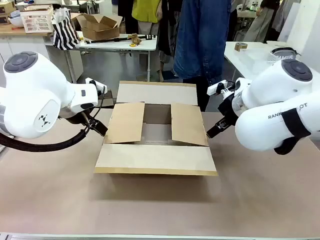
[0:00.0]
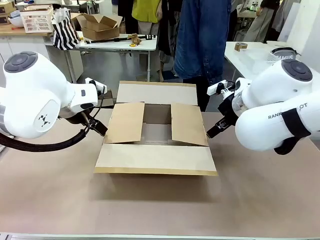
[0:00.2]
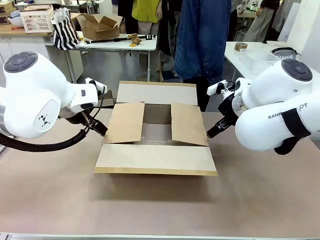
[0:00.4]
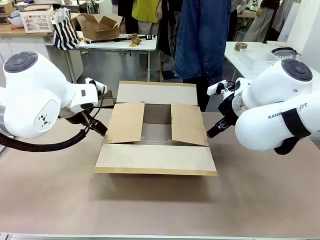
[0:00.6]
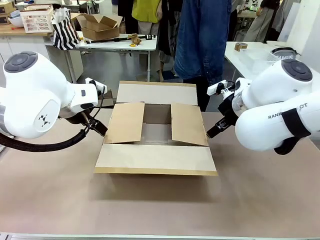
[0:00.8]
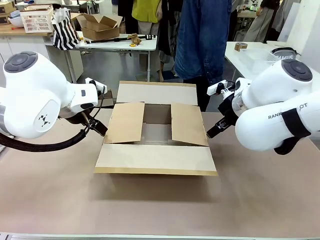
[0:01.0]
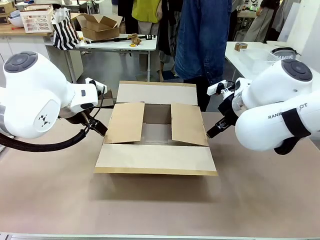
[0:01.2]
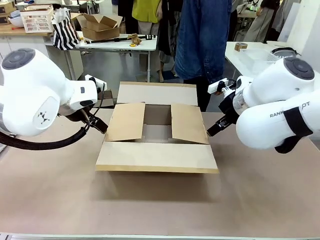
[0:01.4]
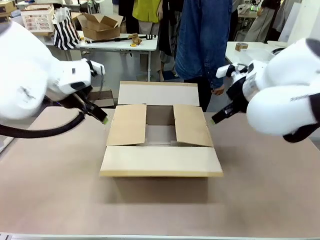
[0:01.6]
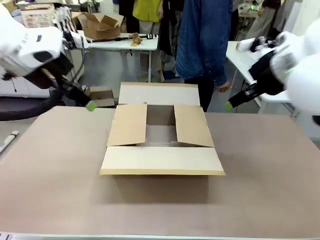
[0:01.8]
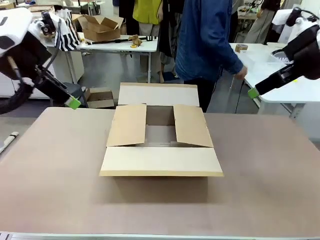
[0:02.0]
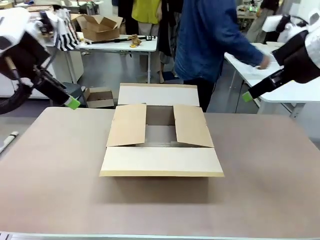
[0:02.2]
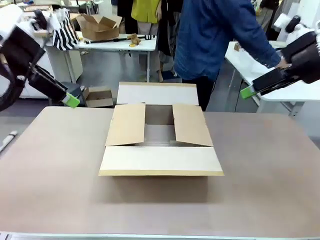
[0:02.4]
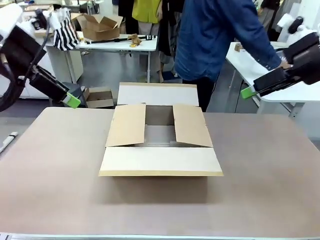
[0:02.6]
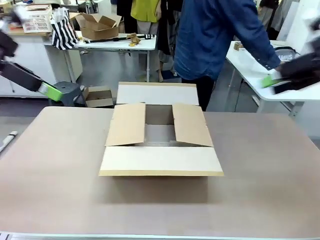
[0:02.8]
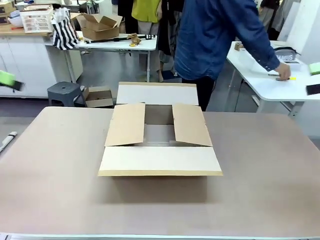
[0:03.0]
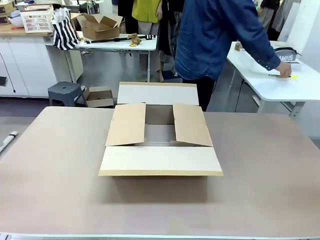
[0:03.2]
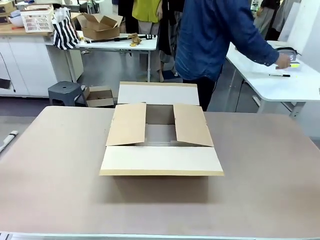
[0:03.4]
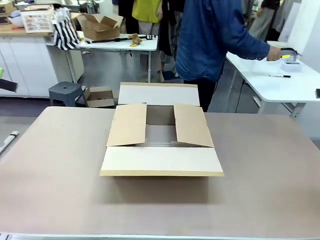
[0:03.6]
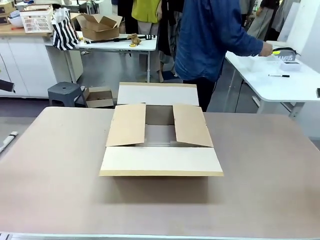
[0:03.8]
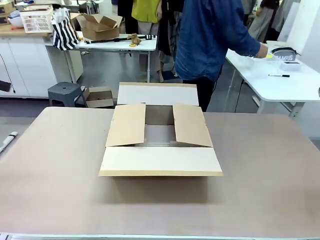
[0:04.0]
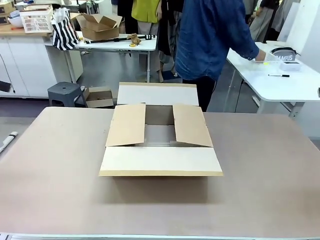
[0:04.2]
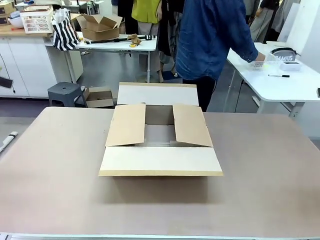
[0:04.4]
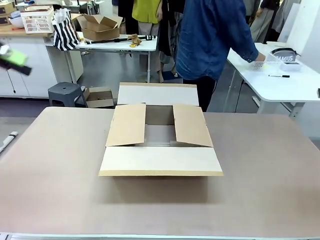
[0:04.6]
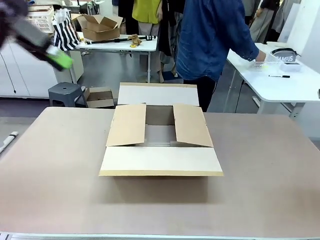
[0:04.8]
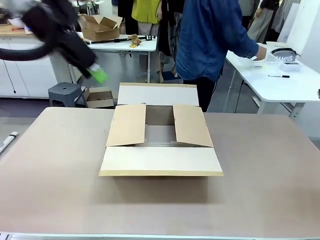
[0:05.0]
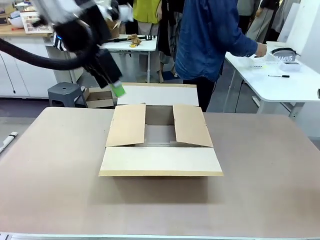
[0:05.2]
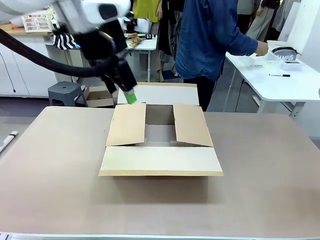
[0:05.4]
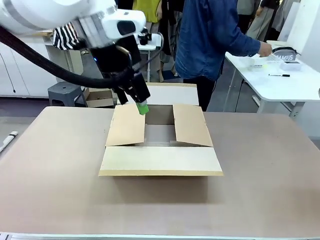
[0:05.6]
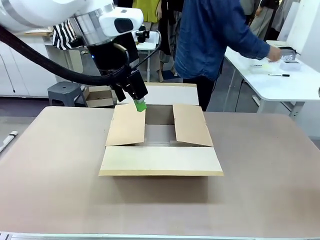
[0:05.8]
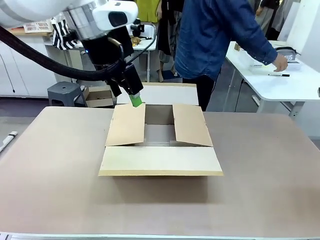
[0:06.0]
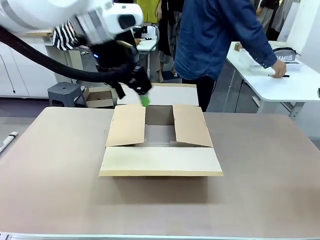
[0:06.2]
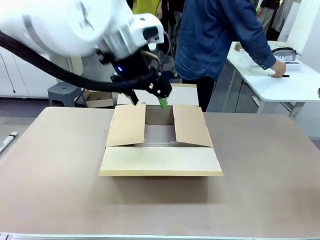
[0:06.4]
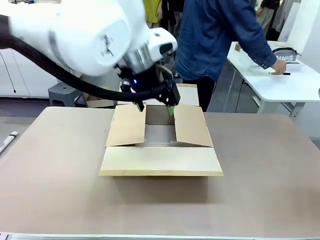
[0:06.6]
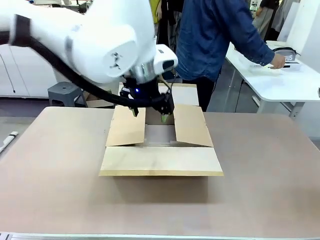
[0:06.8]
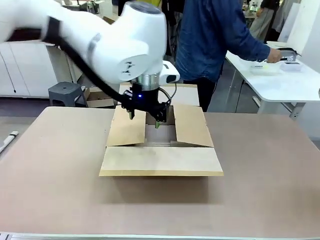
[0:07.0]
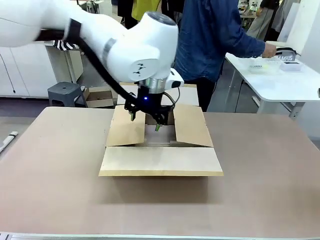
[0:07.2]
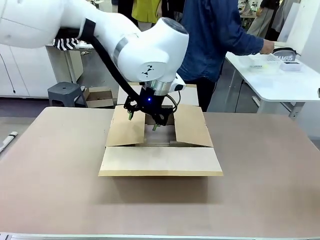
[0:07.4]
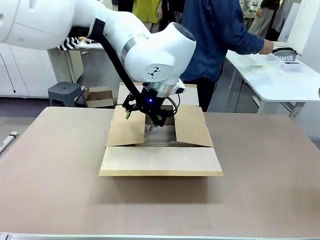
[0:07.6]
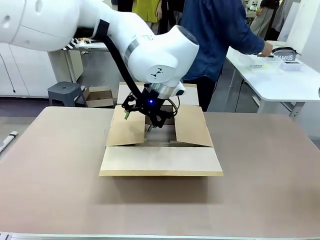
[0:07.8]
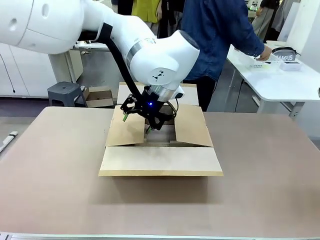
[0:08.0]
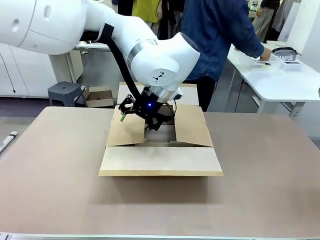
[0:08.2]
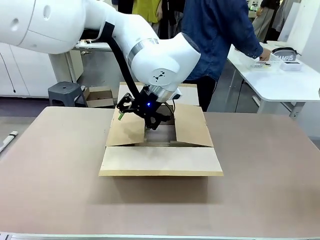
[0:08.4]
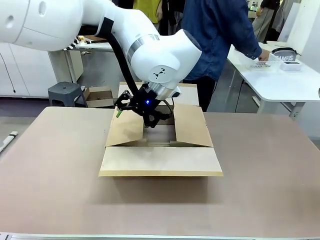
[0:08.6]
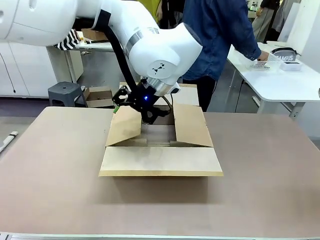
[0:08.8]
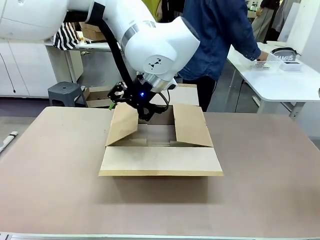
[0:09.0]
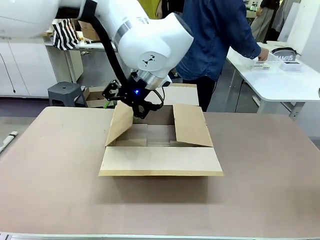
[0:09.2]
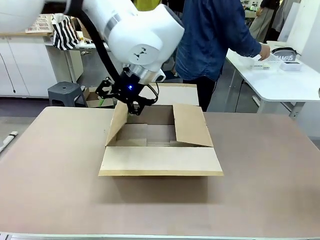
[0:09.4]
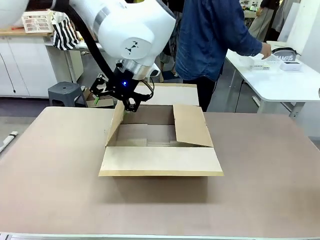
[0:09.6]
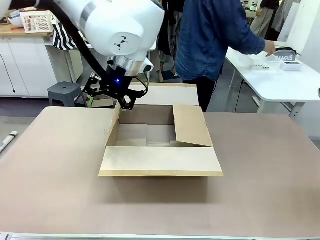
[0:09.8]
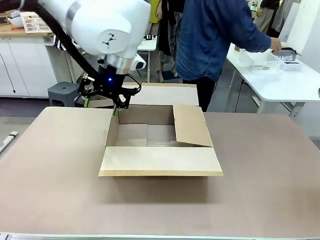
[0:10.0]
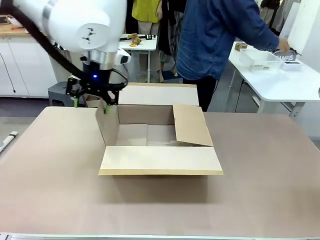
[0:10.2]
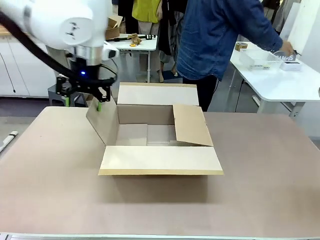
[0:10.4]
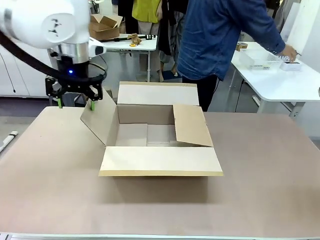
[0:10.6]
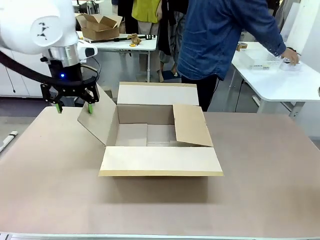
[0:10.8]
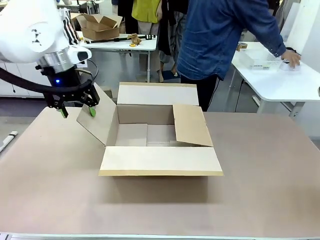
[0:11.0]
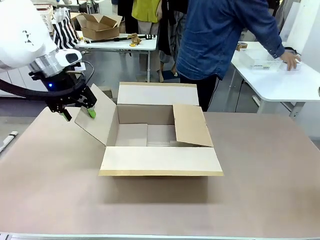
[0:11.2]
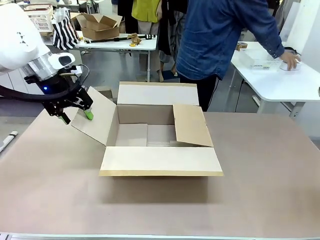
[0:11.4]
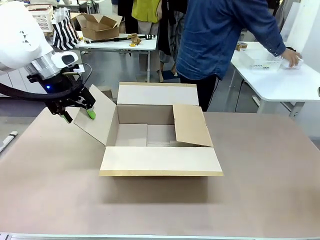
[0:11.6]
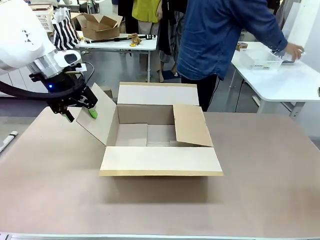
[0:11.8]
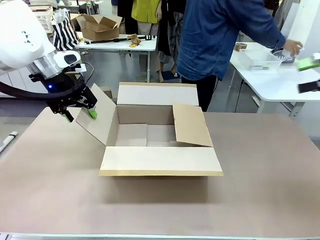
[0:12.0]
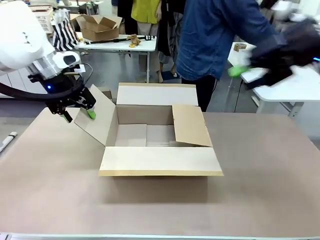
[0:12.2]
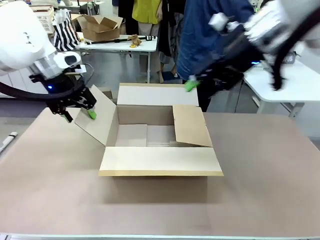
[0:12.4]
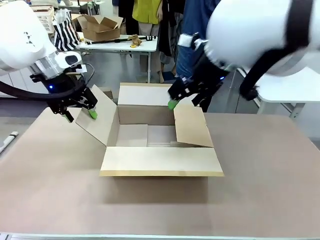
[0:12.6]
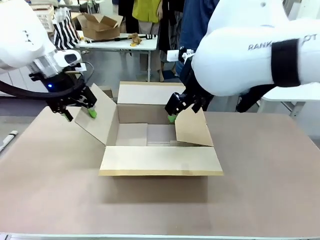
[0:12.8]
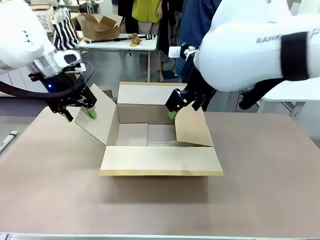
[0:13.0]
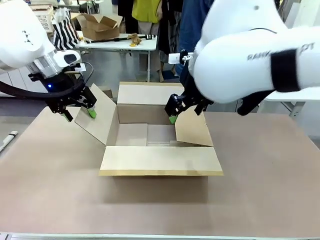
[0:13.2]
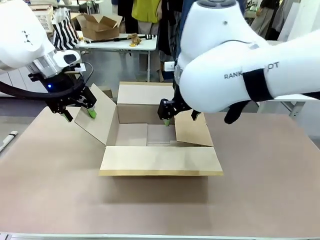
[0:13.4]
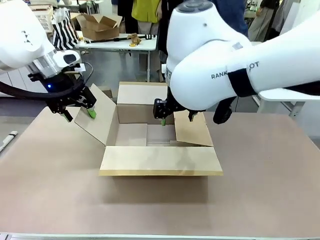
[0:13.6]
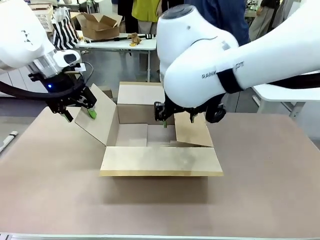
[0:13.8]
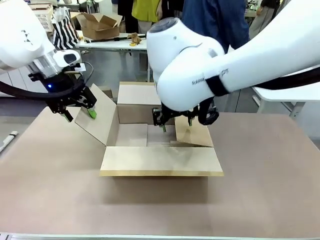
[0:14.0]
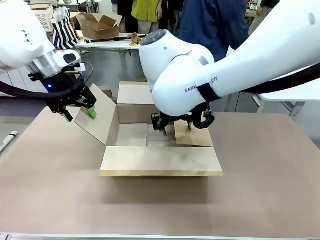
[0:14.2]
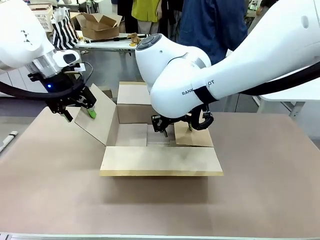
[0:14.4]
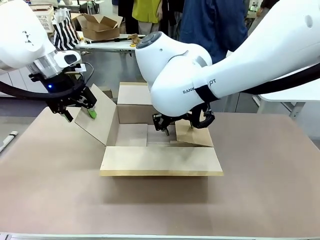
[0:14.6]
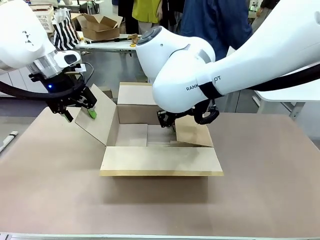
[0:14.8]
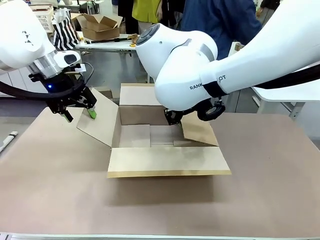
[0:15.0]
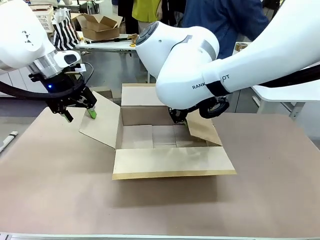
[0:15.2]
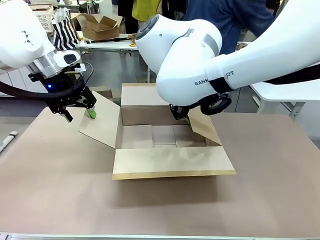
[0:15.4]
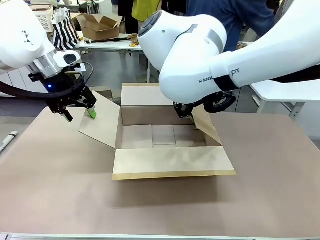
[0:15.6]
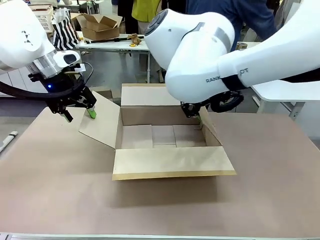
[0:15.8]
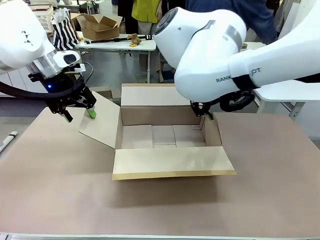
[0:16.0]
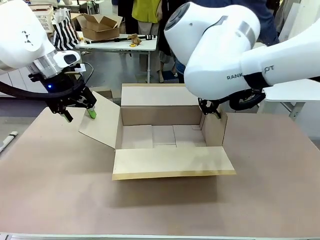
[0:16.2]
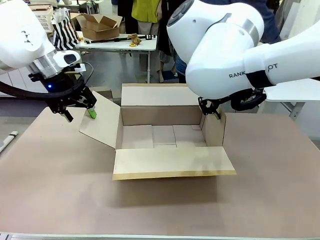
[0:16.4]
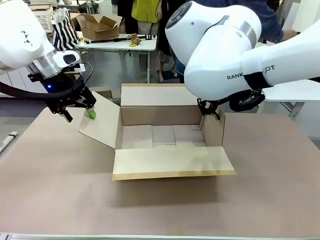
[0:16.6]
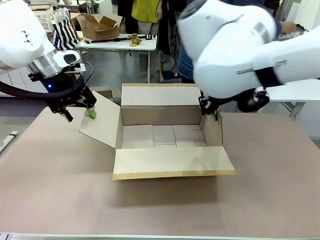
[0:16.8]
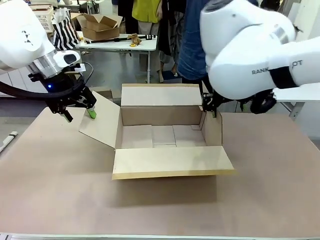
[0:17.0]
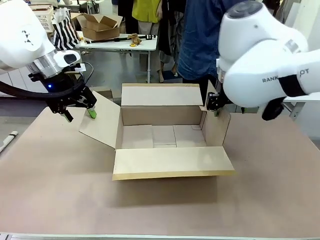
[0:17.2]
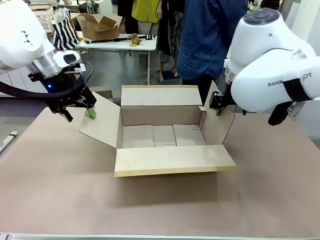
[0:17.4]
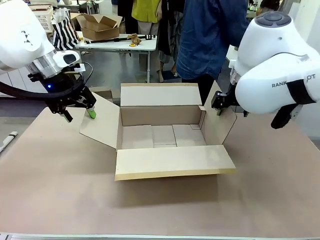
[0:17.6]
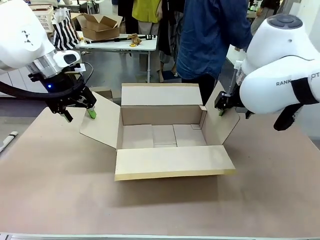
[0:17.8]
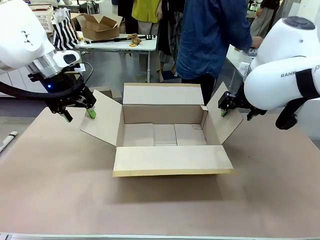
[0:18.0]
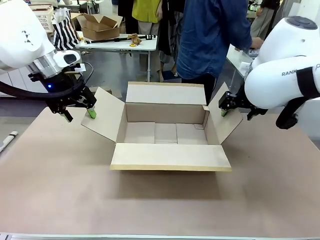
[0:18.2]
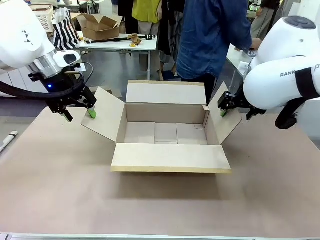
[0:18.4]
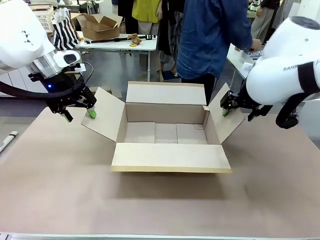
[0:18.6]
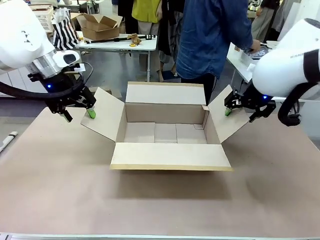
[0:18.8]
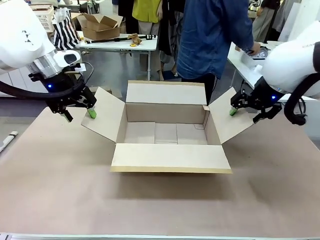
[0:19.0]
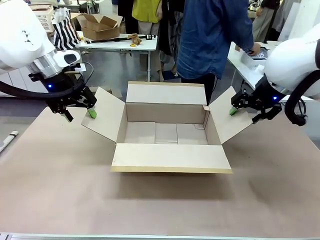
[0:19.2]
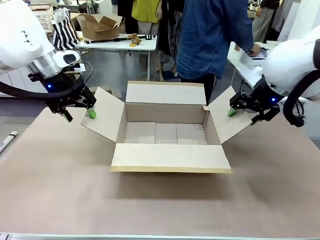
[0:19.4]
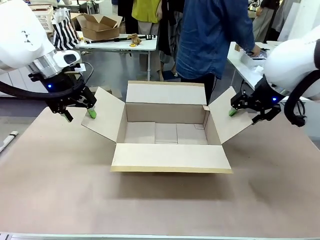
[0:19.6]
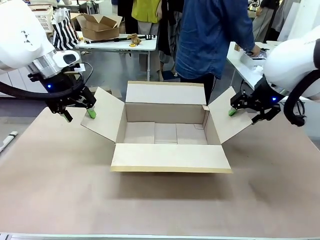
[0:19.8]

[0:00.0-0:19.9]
Task: Pack the gift set into the box.
Robot: Place both hands on the side flaps of the Package Box and spread them outward.
Person: The human places all items except the paper tape into the organizing basket.
